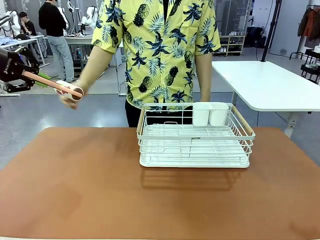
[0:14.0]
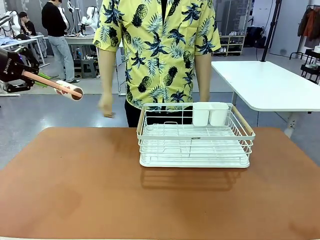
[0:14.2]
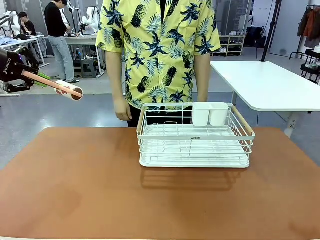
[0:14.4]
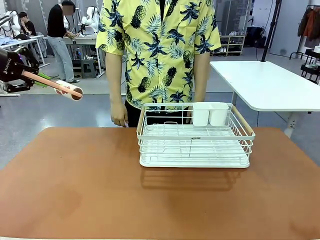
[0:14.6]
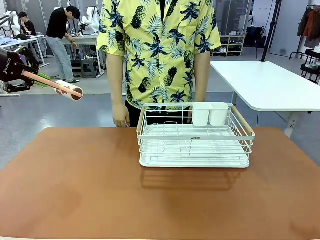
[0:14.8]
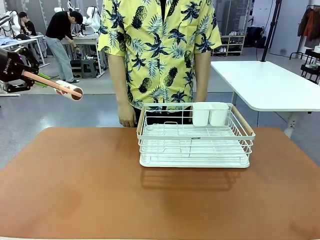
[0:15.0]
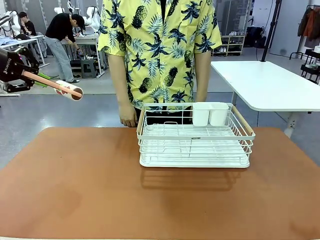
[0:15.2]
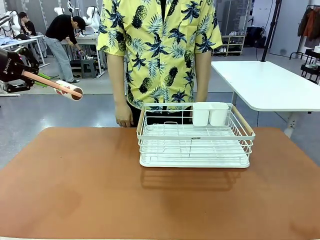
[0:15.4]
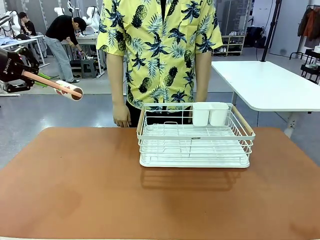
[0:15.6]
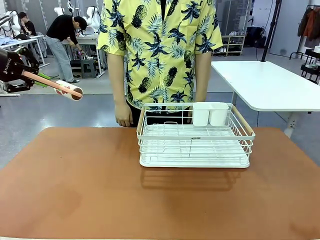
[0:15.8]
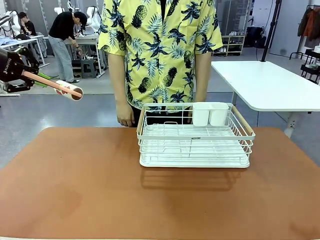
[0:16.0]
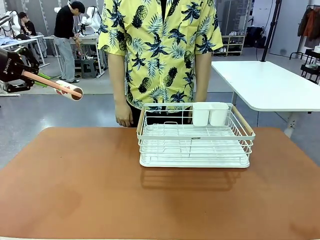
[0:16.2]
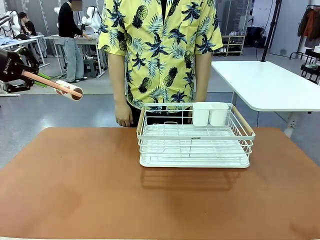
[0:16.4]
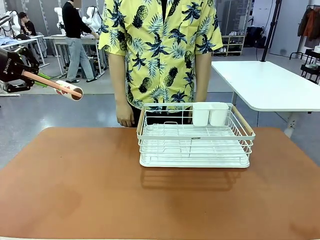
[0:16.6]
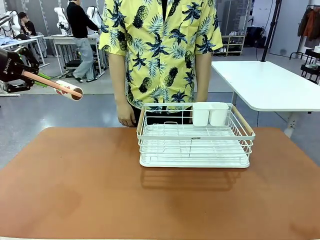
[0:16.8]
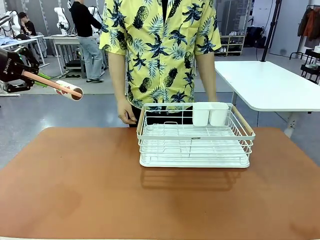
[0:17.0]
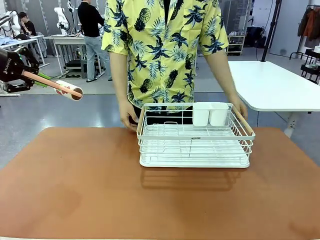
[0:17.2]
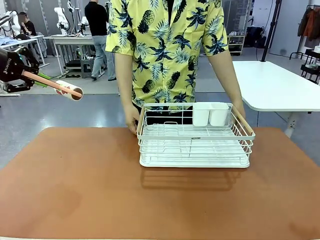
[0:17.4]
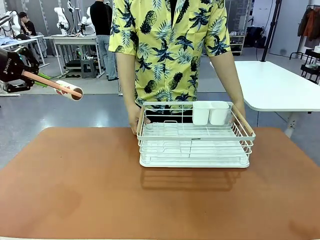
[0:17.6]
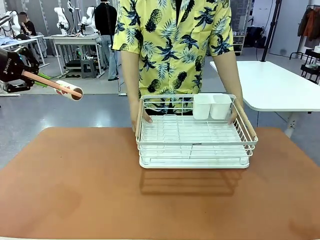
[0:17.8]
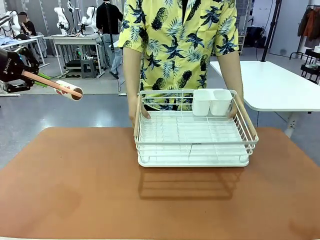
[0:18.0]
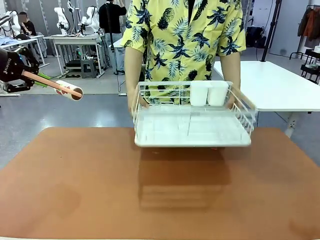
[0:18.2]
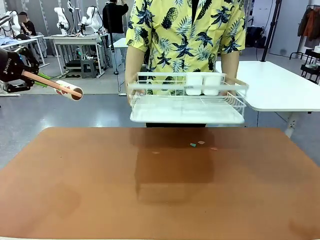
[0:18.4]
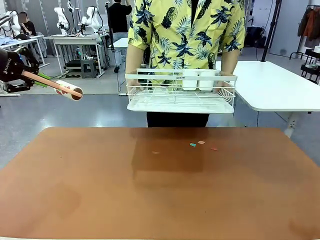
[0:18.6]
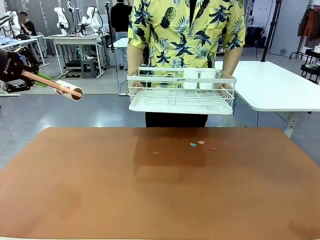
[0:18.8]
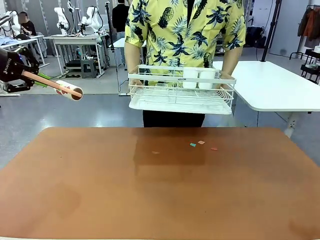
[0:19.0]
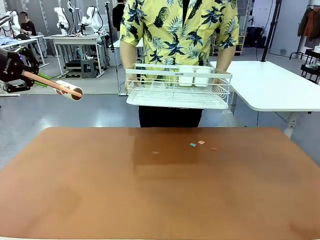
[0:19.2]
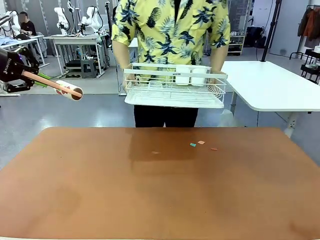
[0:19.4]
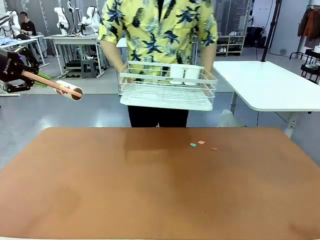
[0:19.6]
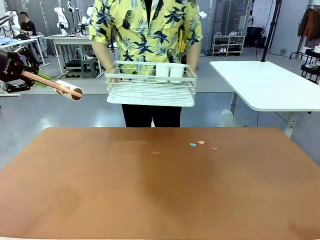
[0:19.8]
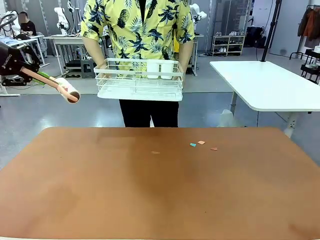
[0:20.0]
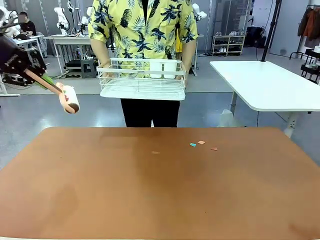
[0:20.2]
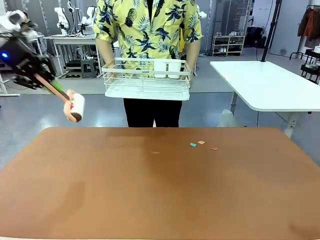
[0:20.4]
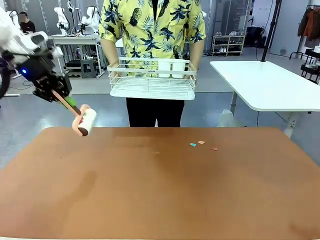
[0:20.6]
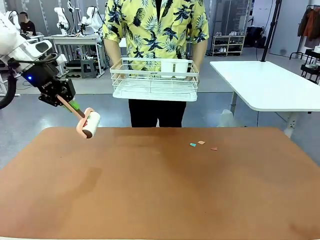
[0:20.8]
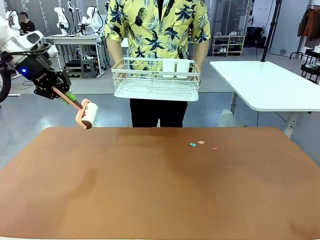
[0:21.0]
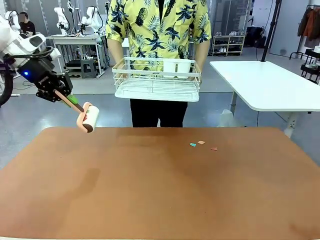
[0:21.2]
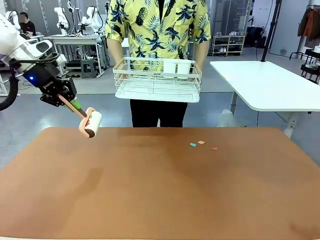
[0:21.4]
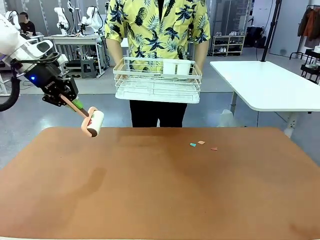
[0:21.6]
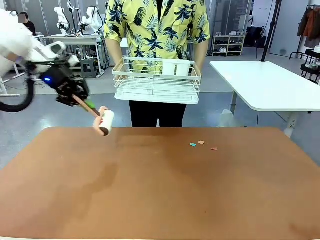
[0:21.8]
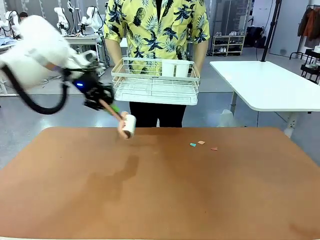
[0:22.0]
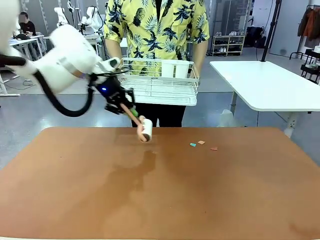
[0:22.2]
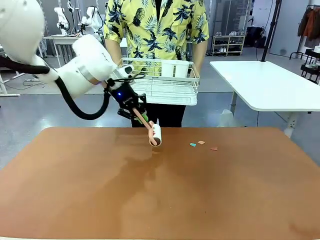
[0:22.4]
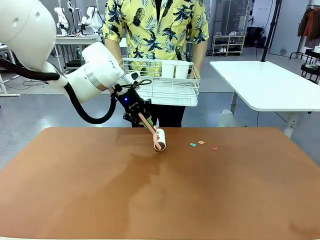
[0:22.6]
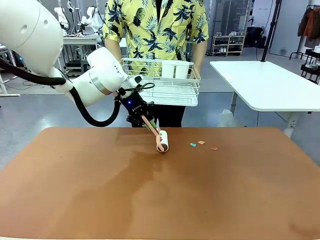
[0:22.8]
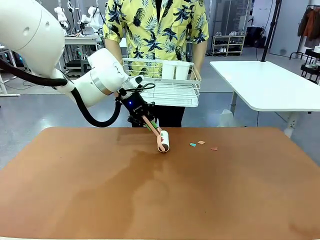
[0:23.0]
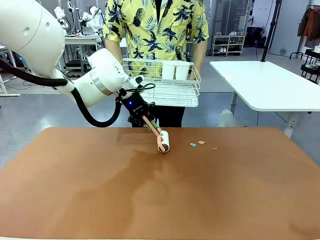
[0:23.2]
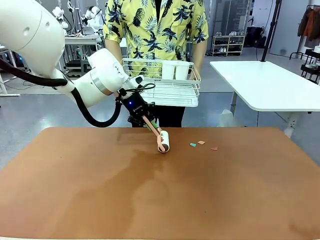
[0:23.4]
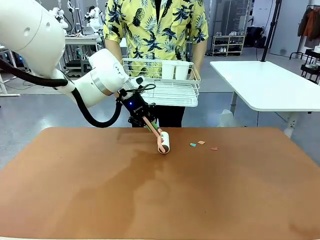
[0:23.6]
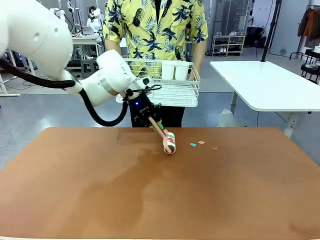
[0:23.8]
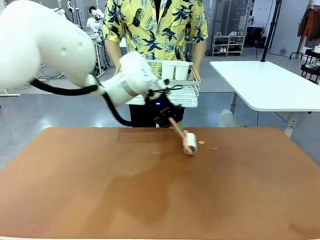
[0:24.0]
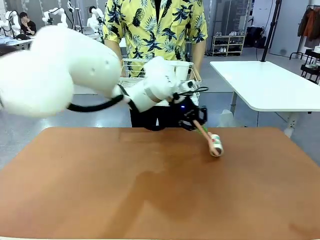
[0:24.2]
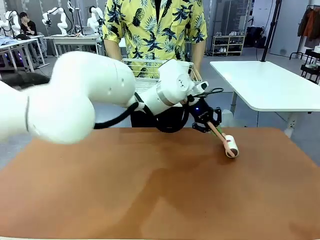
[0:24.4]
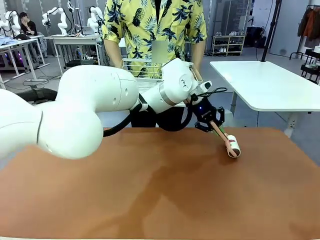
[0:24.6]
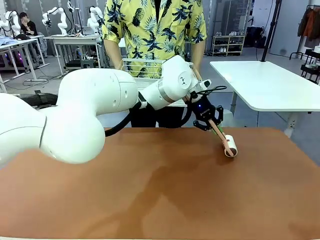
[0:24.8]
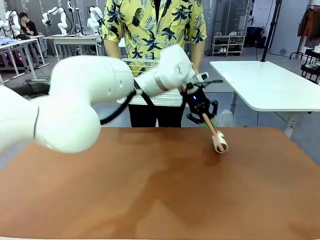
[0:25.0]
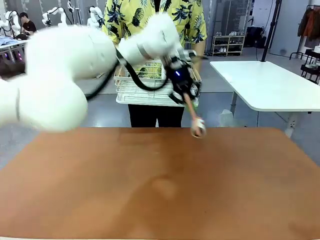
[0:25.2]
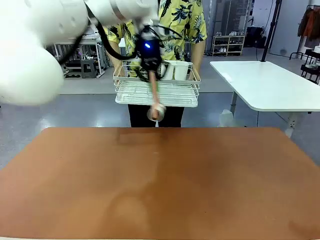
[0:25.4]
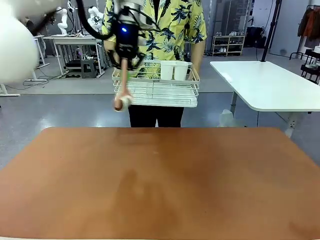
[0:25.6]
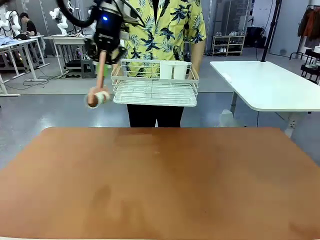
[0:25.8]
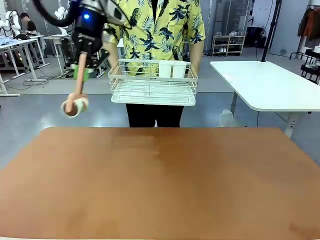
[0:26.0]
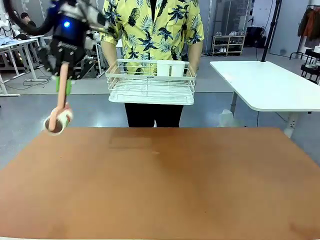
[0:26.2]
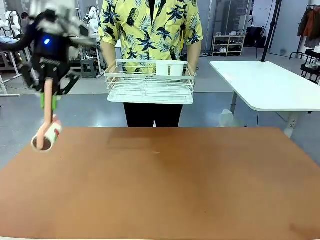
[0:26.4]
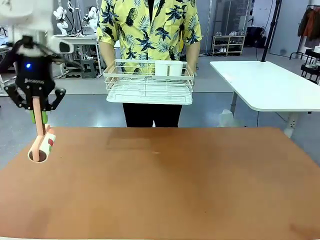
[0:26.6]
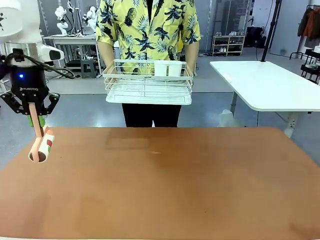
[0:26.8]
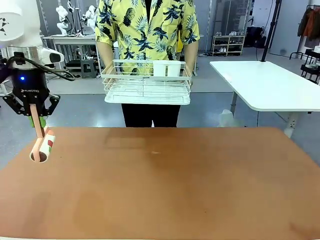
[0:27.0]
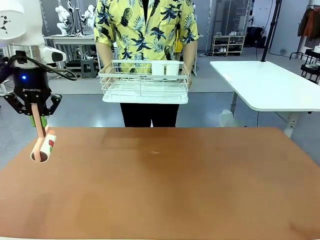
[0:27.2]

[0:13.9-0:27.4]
Task: Clean the table.
Robot: Clean the table with the Lint Roller when the human lifts the Dish drying rack.
Person: Place the Dish drying rack down when the robot finishes cleaning.

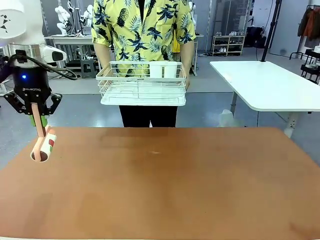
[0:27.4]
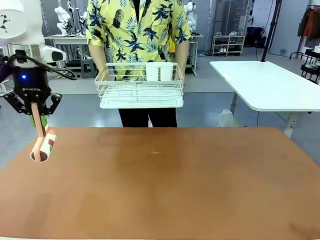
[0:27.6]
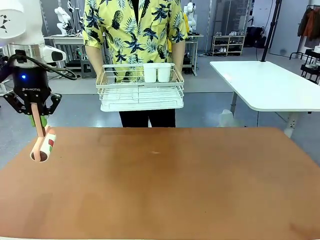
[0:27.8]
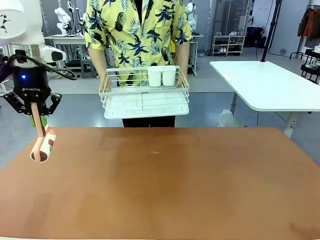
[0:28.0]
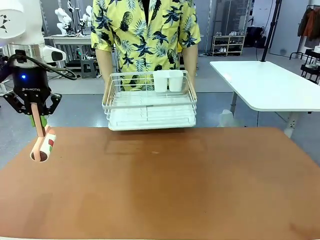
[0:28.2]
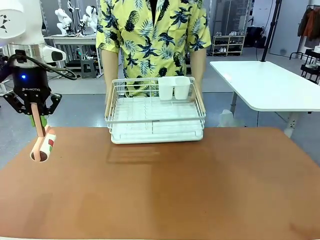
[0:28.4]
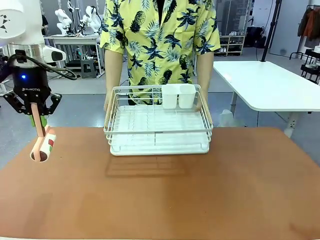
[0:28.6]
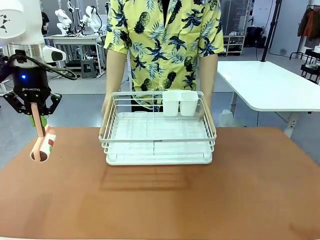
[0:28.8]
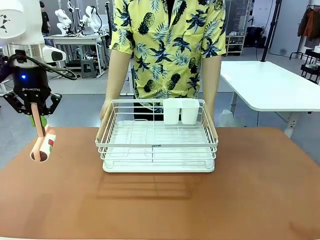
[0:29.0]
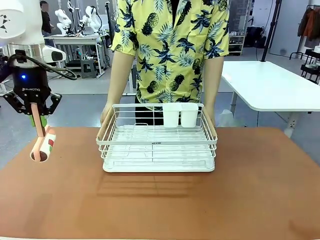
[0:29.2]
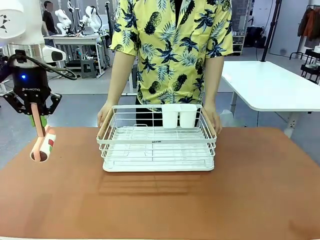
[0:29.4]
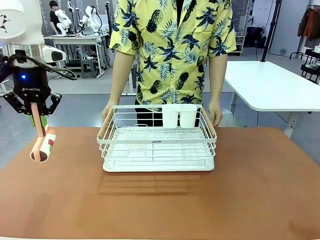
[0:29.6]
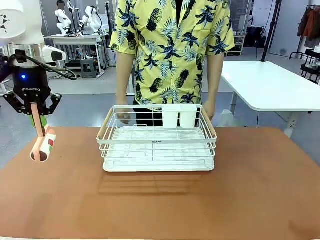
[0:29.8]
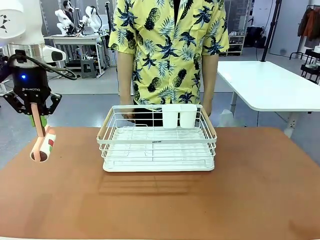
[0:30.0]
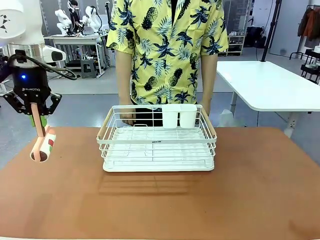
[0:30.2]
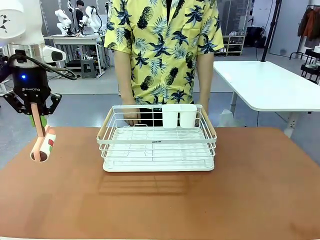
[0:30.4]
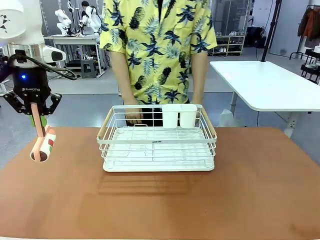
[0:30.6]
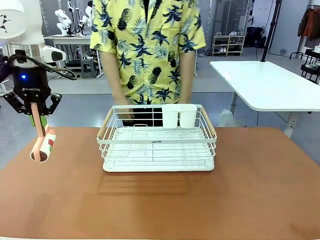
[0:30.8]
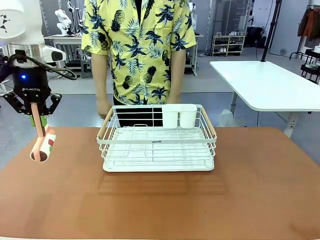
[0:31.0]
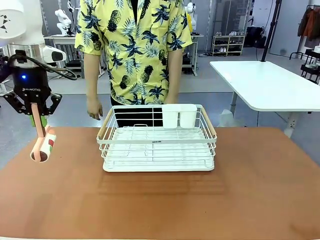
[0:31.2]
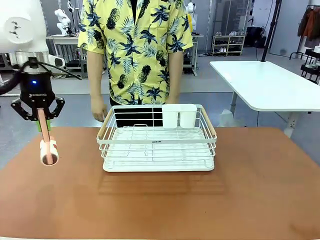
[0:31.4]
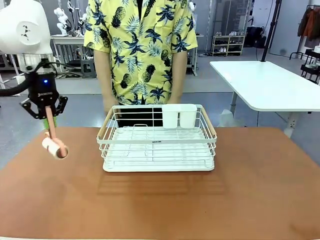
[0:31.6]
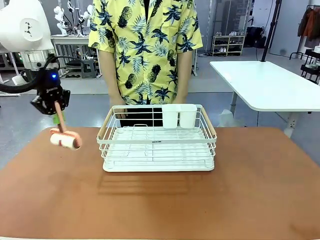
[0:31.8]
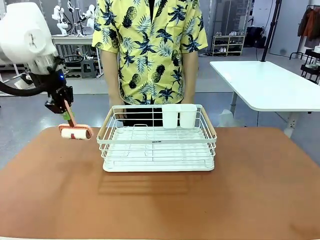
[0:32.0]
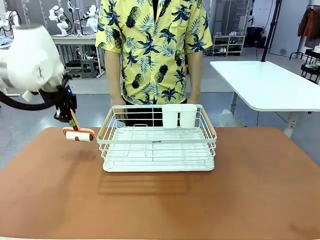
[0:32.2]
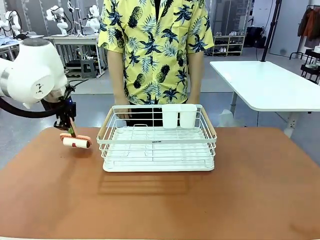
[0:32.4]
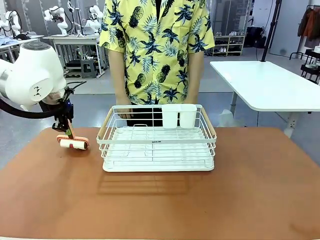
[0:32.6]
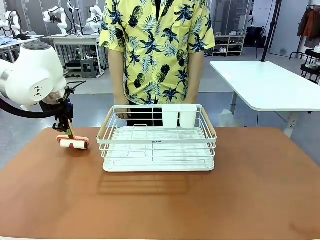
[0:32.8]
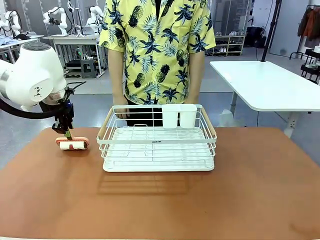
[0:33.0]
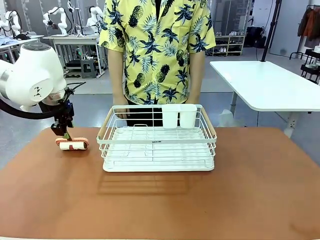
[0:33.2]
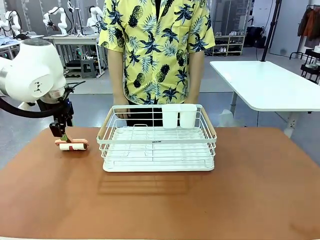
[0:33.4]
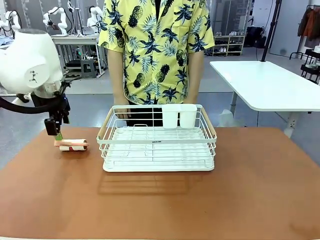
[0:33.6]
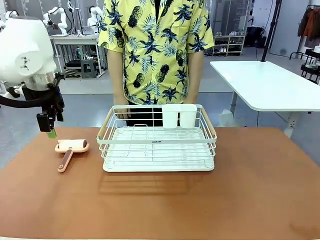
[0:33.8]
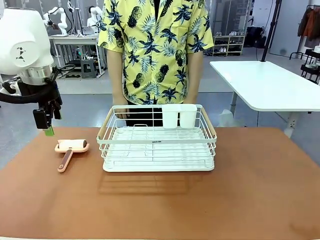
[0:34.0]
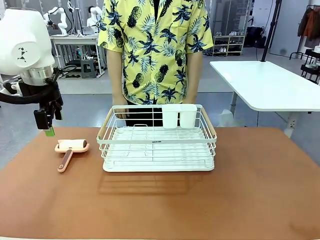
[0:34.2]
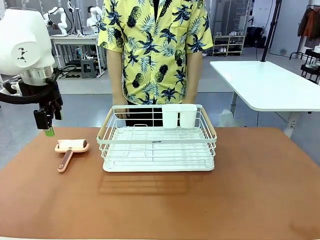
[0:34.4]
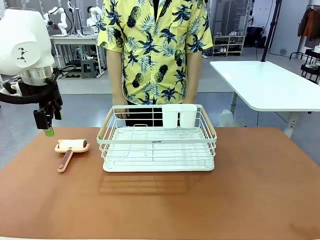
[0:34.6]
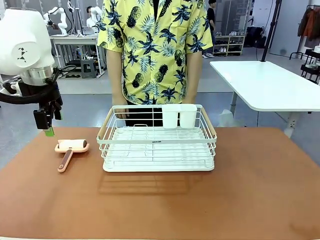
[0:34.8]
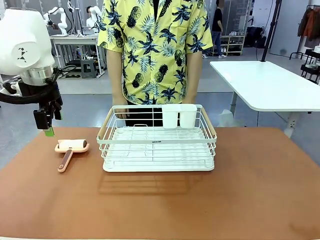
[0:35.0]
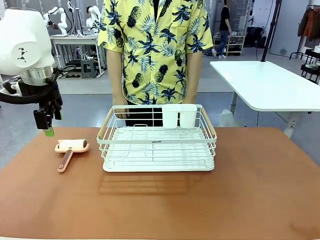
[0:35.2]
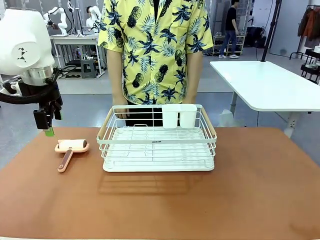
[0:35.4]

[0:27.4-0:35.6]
Robot: Place the Lint Roller down when the Dish drying rack is positioned in the middle of the table.
